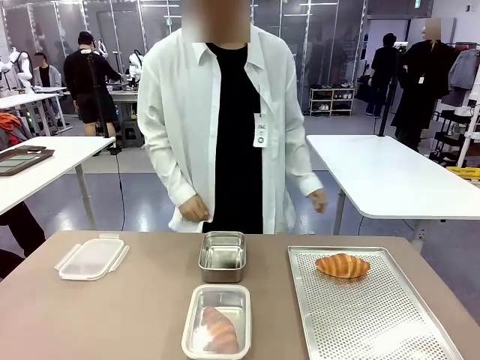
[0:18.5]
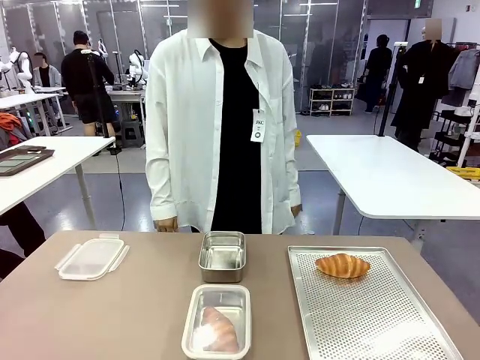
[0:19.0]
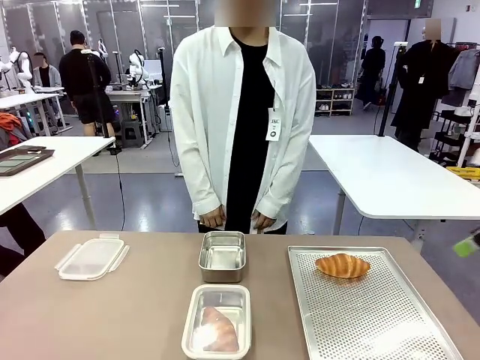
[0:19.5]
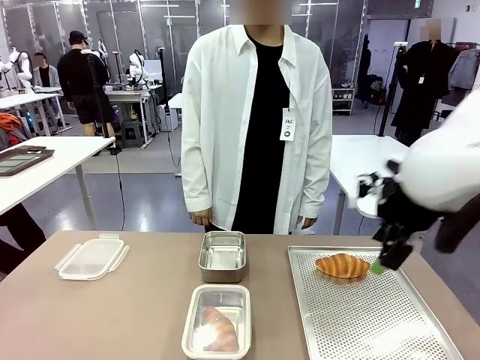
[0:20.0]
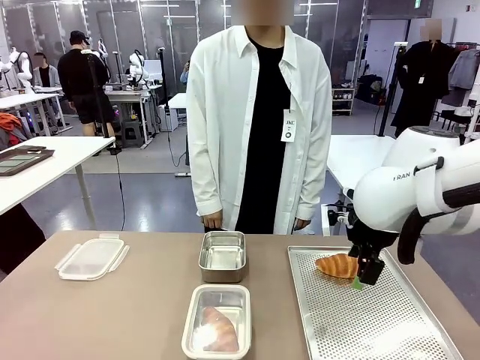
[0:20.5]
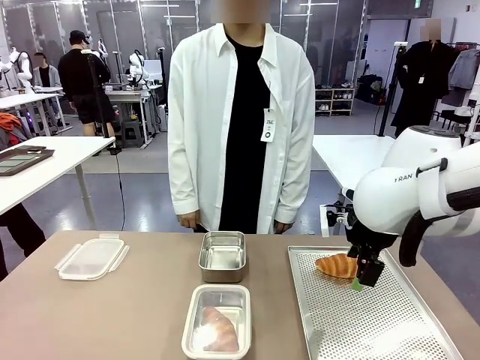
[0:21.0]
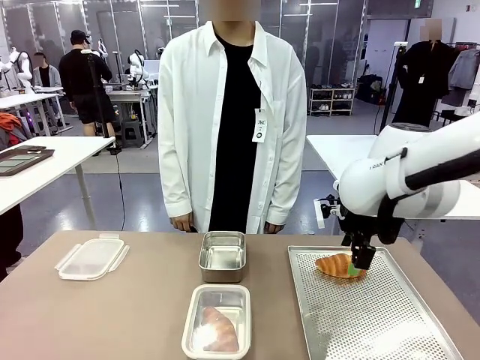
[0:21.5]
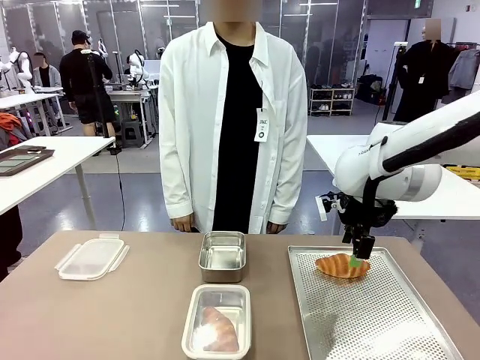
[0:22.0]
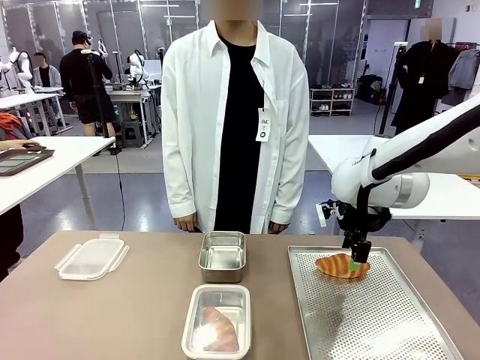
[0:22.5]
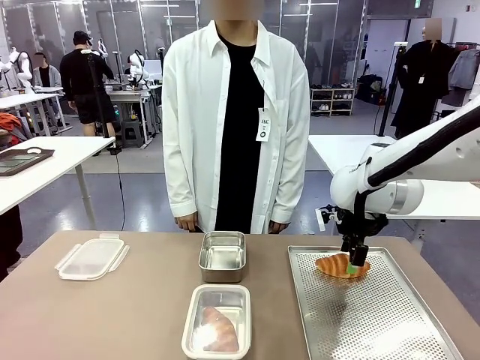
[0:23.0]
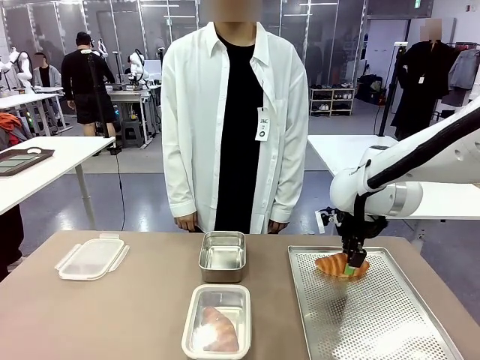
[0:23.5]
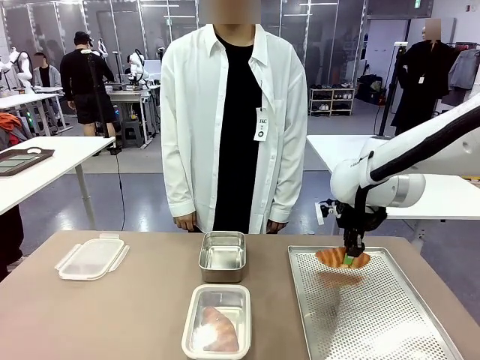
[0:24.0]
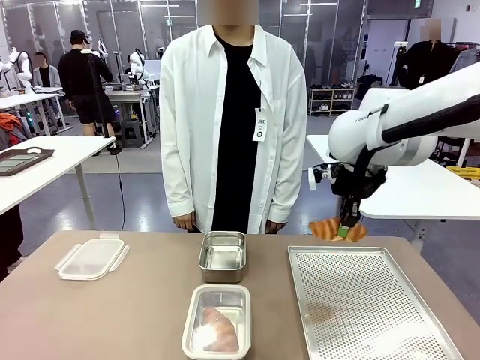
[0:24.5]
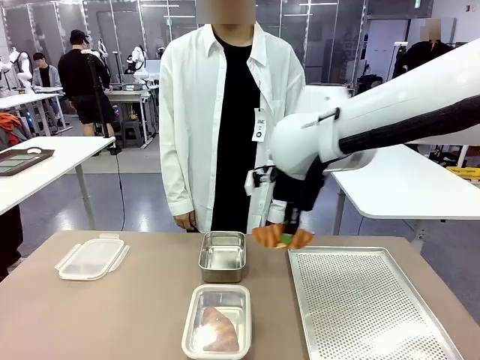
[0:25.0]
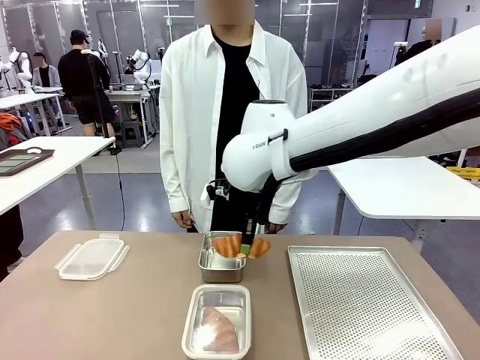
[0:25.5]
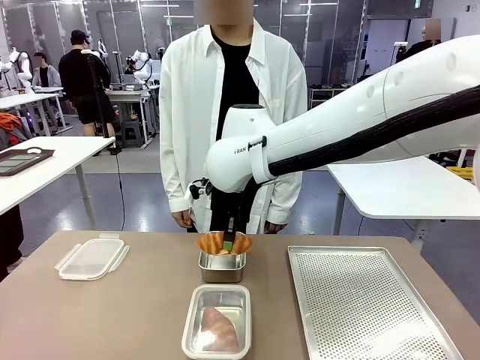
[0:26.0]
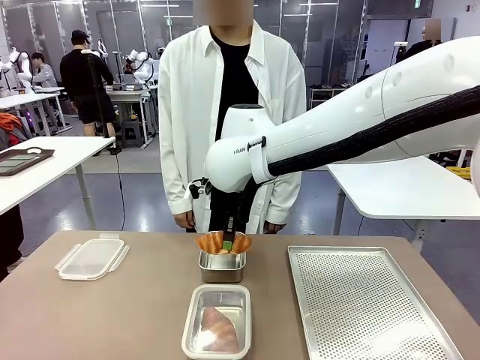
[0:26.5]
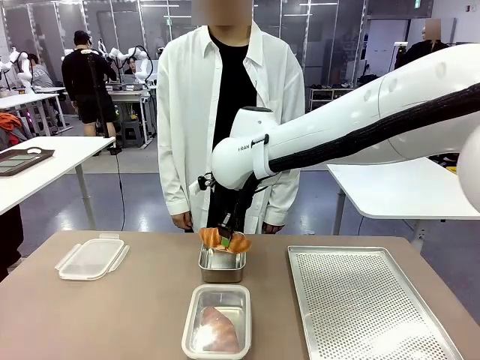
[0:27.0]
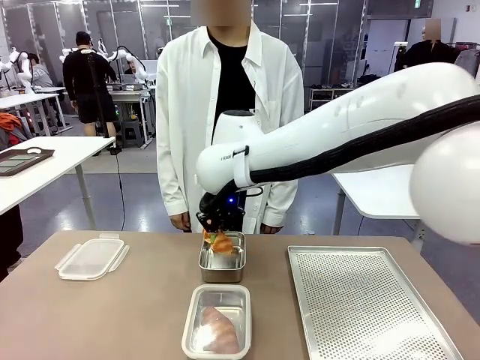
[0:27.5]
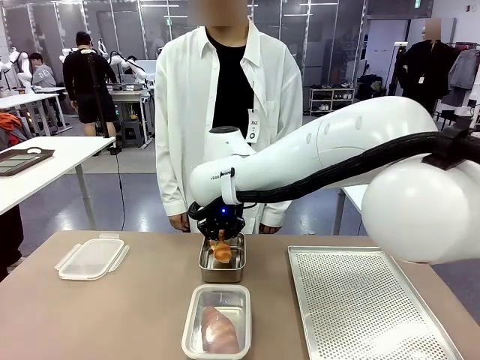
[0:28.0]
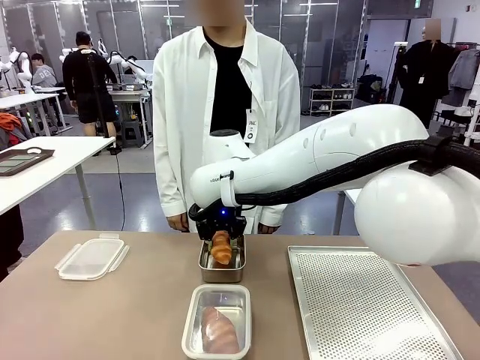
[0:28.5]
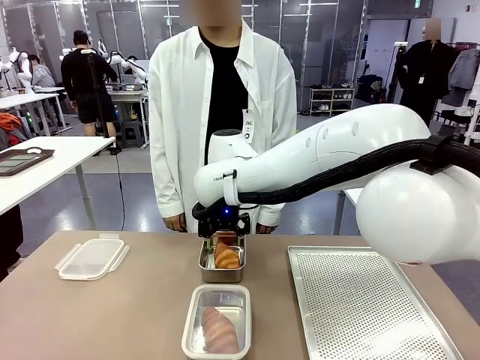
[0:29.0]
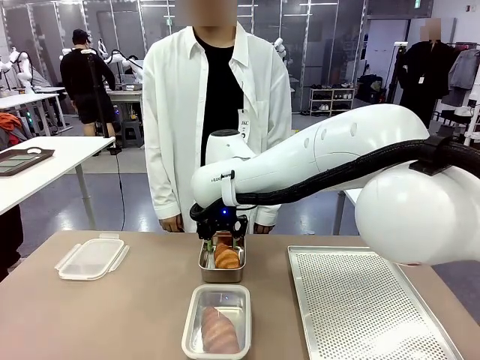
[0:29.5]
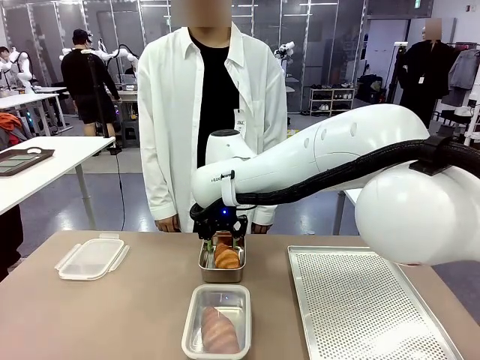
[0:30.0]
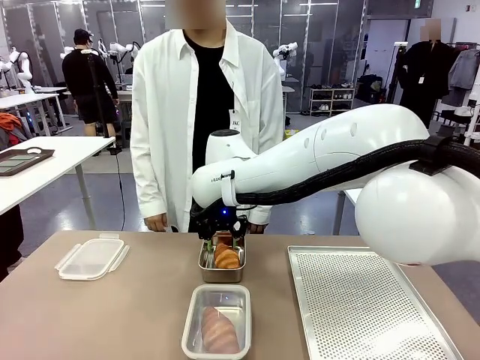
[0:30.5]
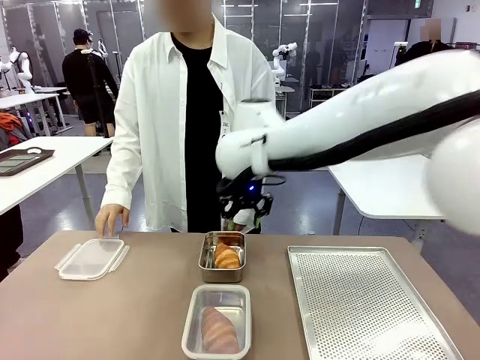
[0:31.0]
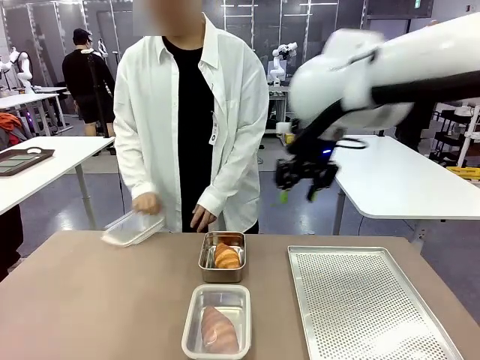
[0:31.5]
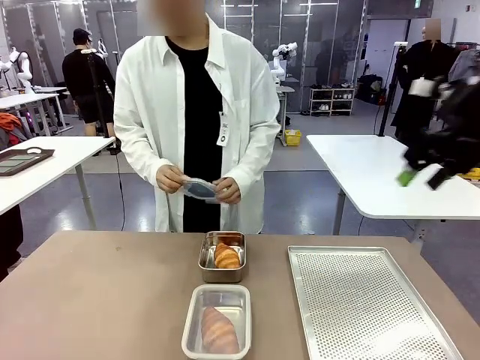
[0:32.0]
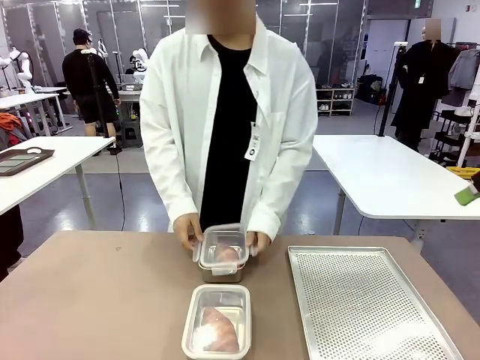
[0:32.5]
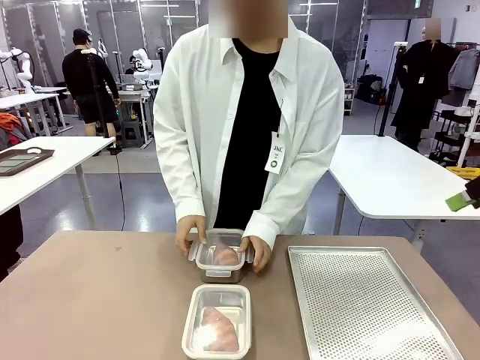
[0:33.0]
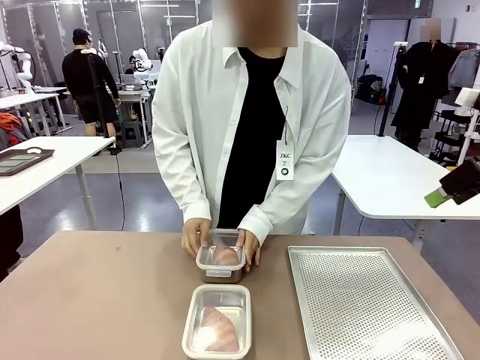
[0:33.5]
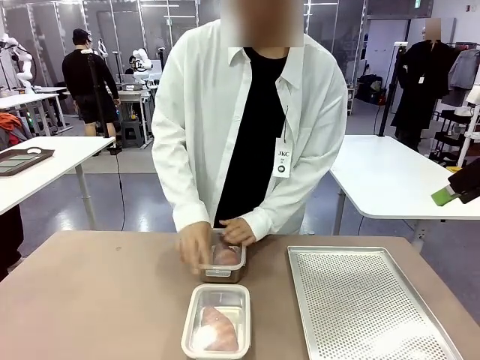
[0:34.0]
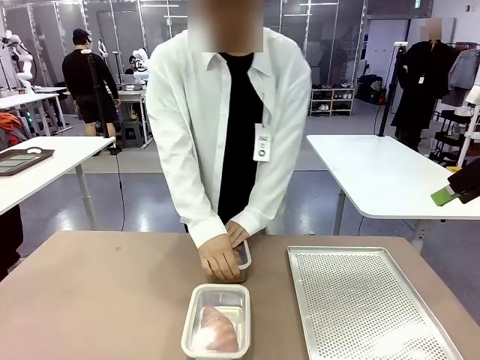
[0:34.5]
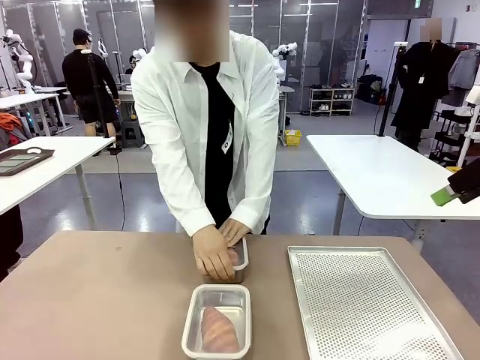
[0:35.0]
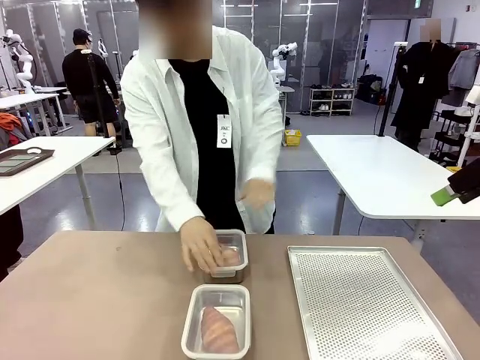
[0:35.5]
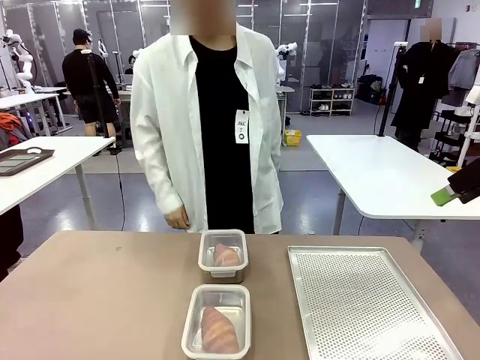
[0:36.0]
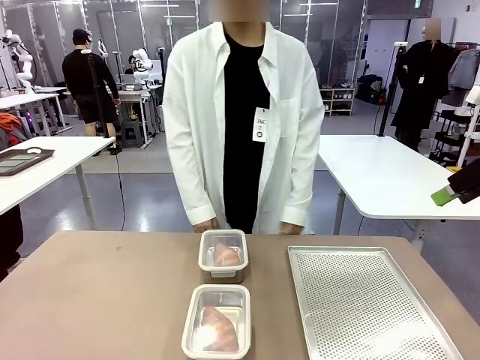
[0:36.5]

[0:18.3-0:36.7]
Task: Place the bread into the airtight container.
Robot: Pick up a Butter Roll and place it into an empty Airtight Container.
Person: Once a Butter Roll is inside an Airtight Container , close the lid of that Airtight Container.
